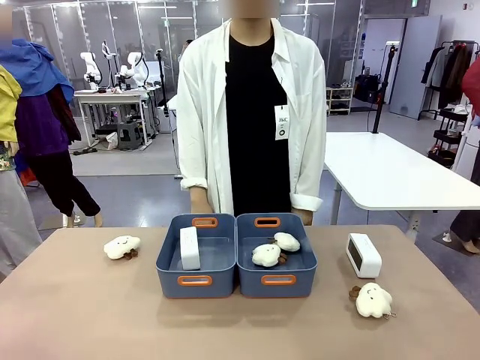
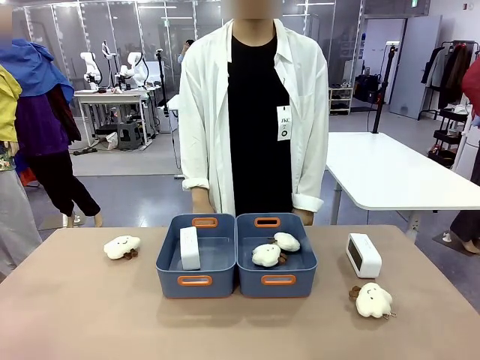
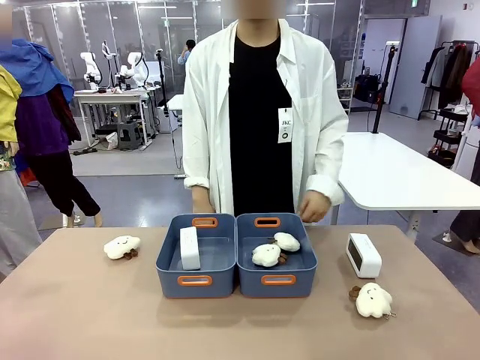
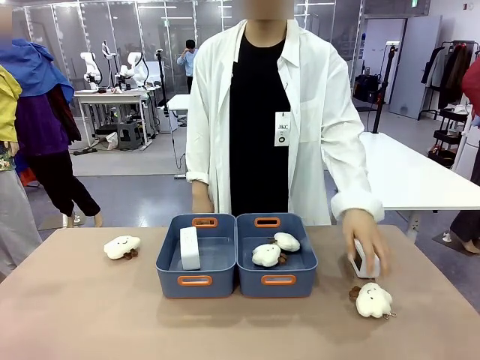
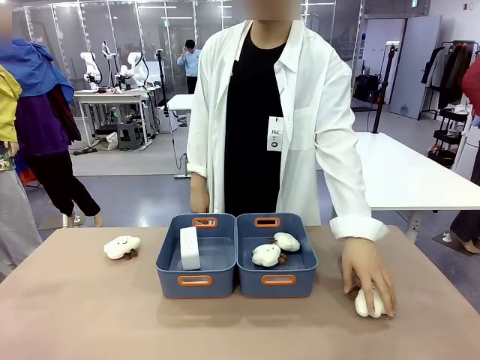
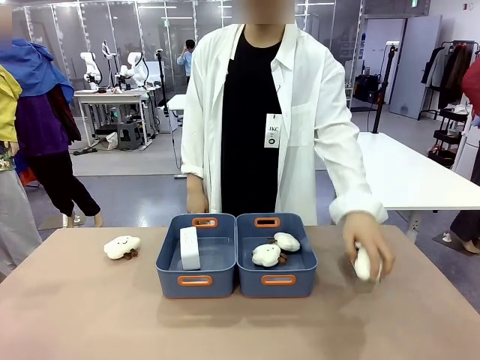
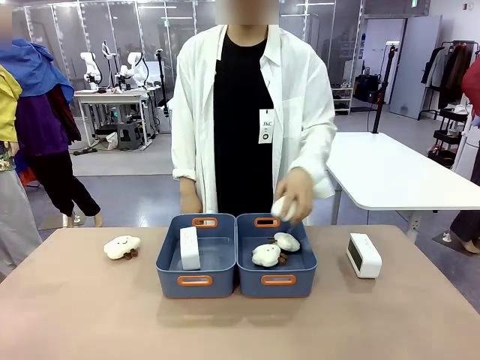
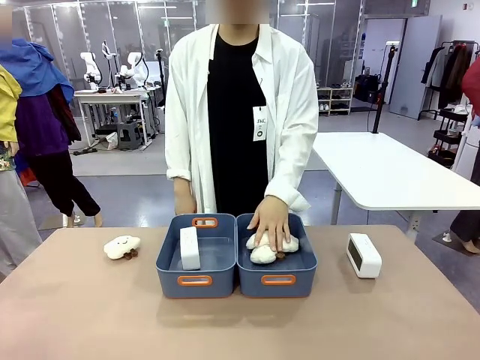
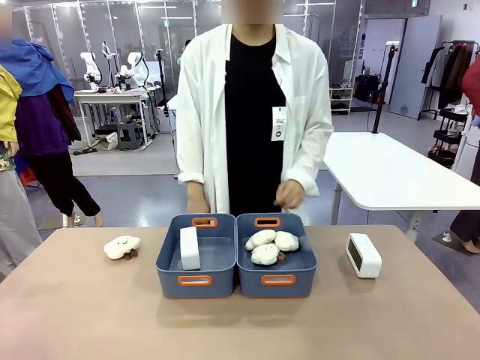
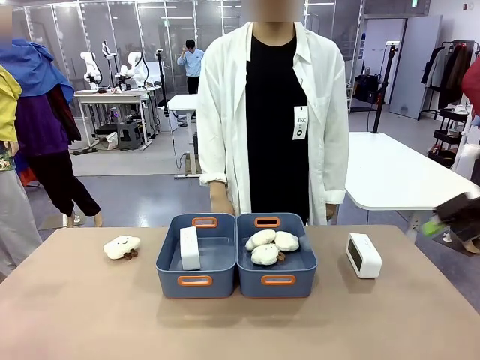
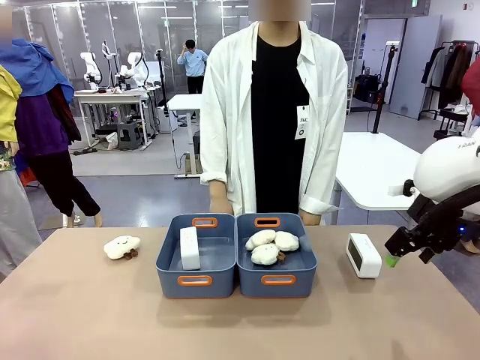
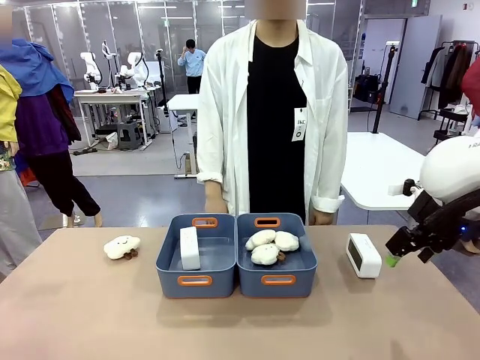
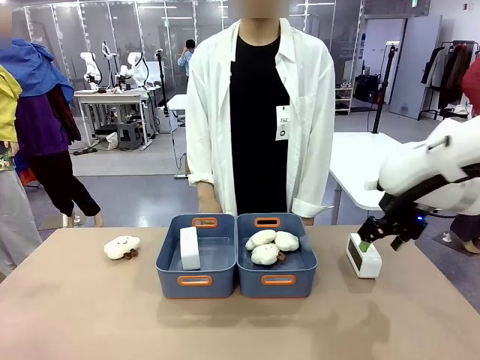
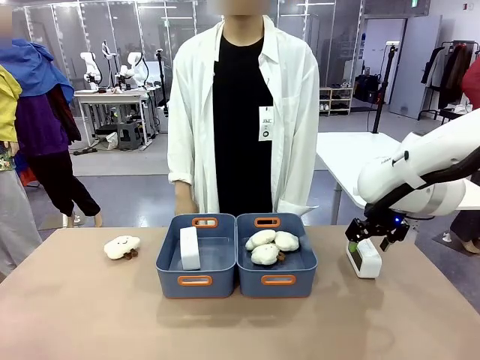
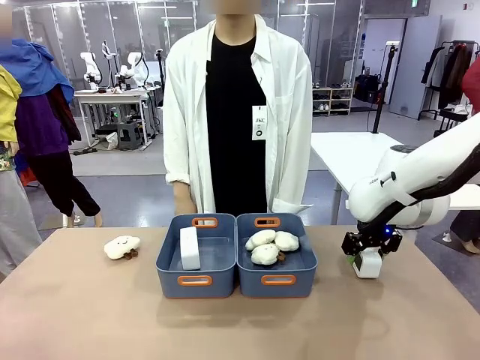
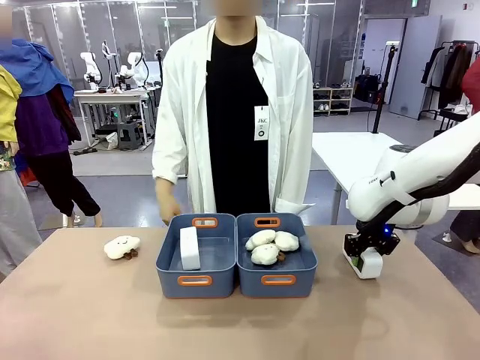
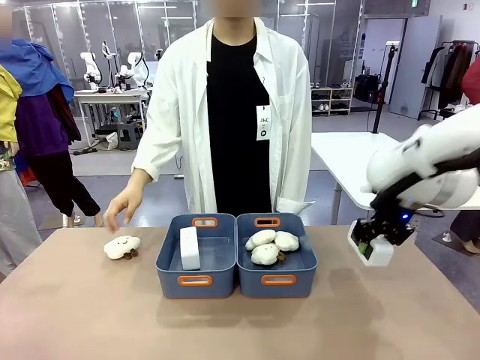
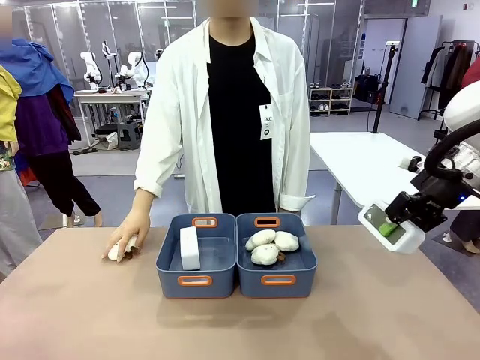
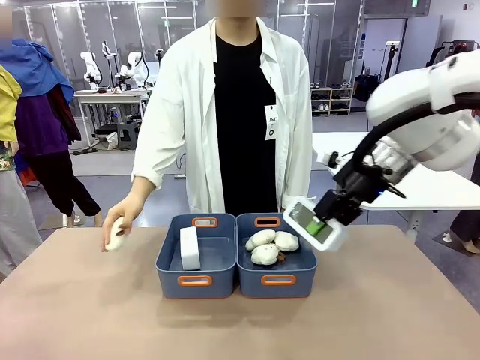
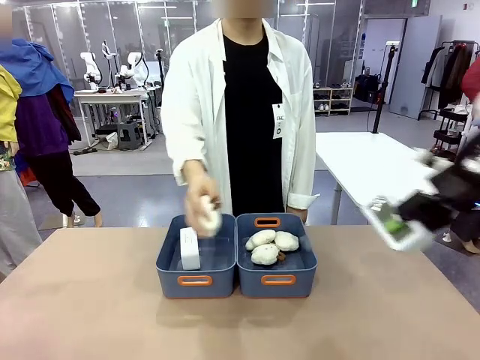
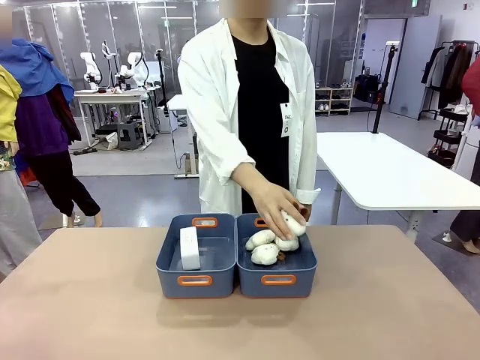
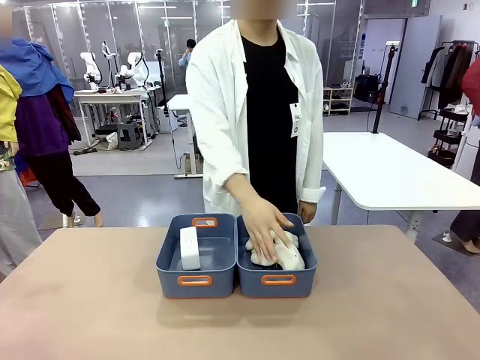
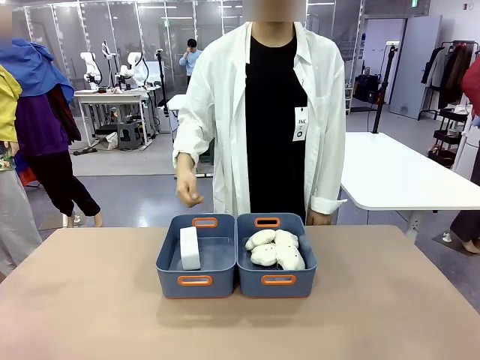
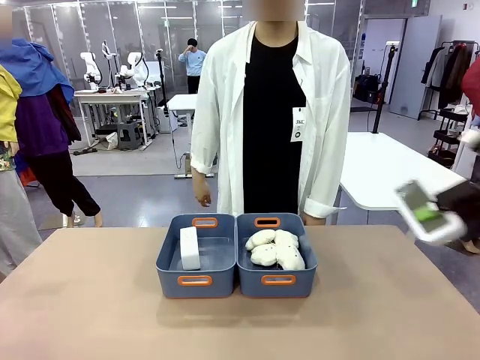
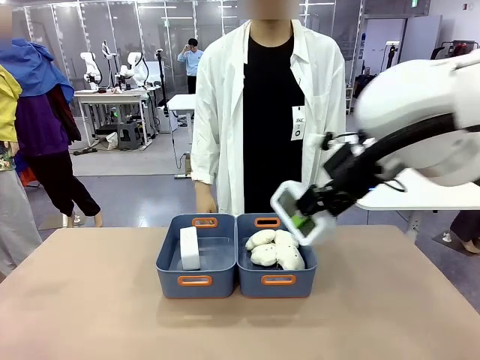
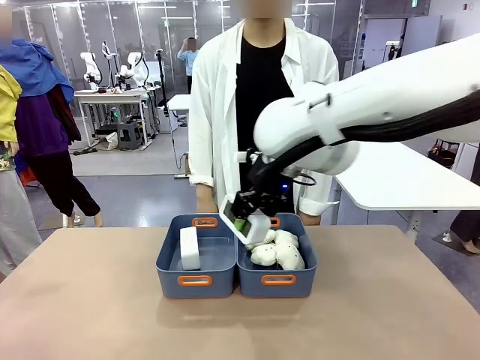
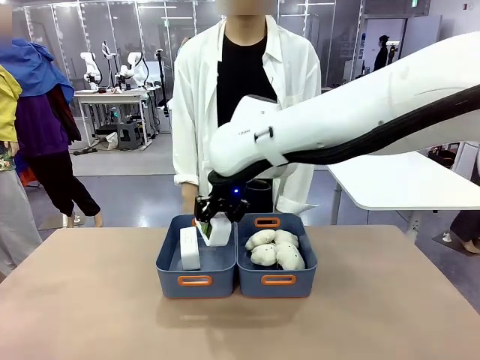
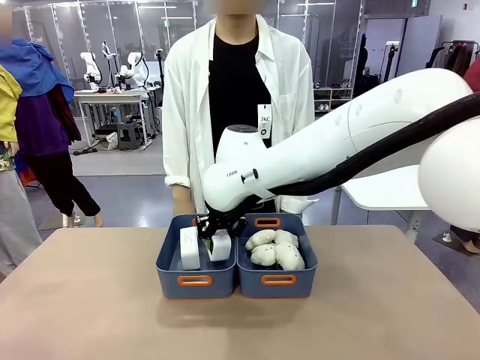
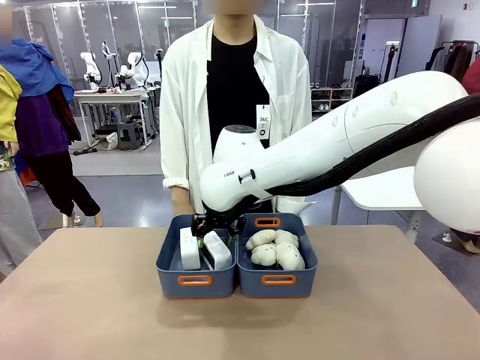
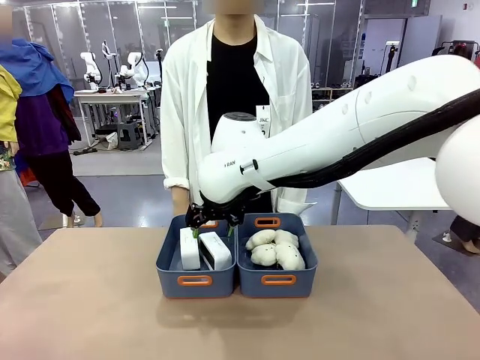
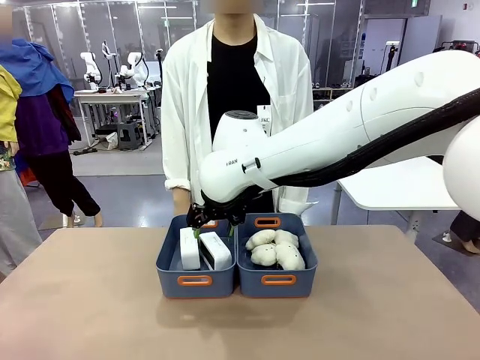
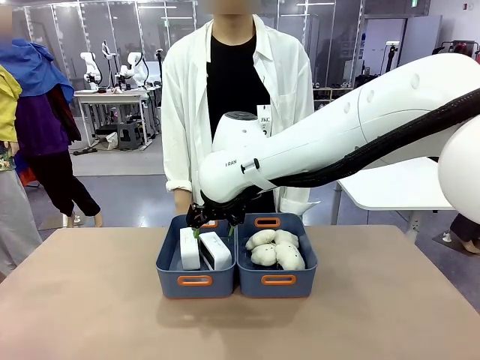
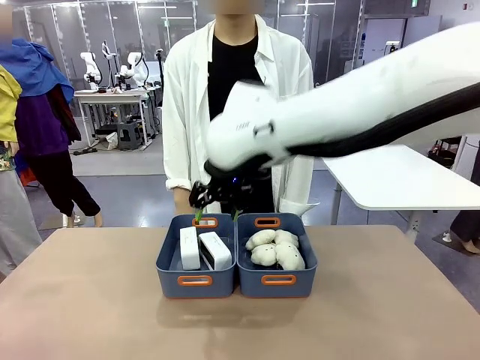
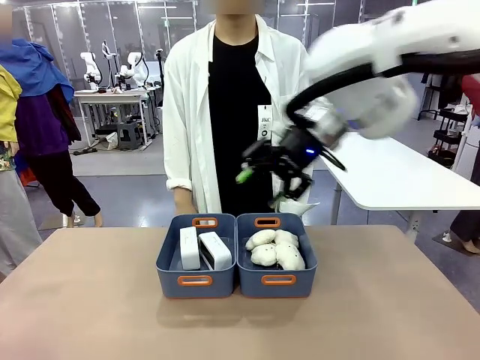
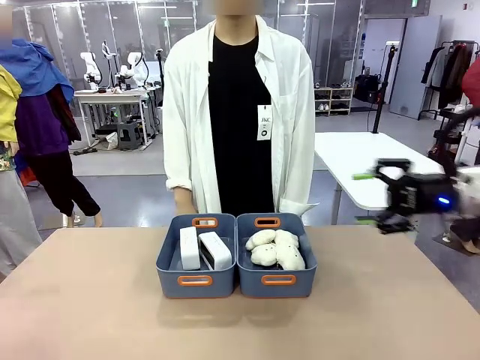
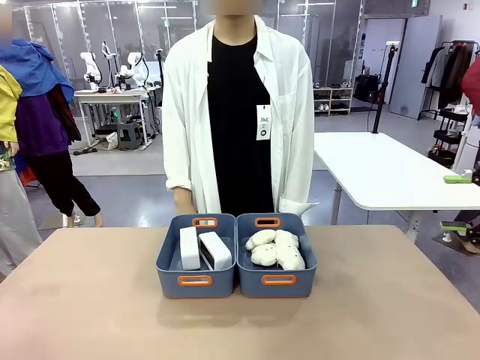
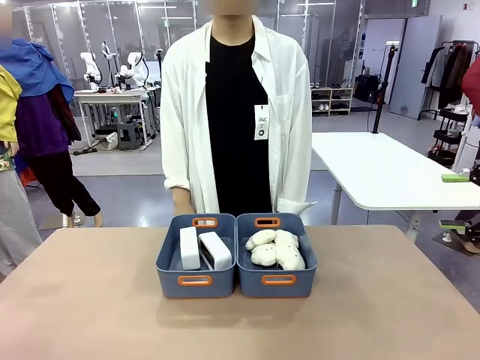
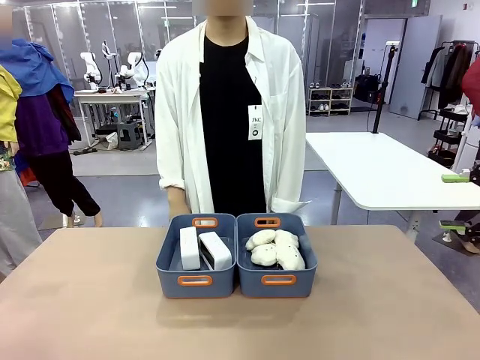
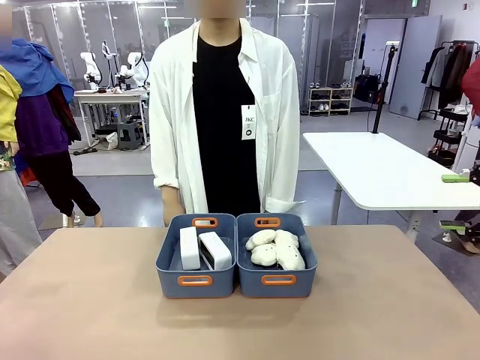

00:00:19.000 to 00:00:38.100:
Task: Sort the digital clocks into the basket.
Robot: Pick up the Digital clock from the table and place it into the empty Plastic storage basket.
Person: Pick up a plush toy from the table and place it in the plastic storage basket containing the plush toy.

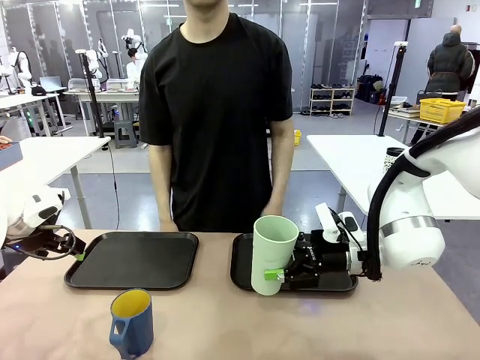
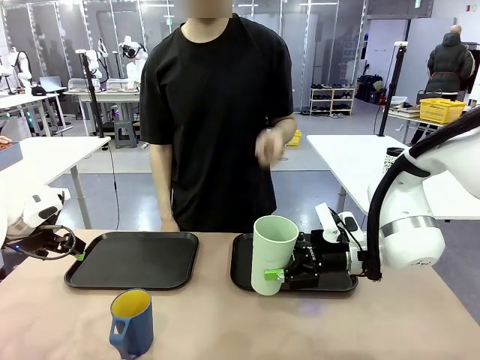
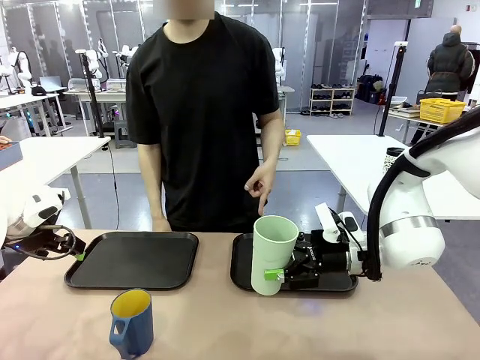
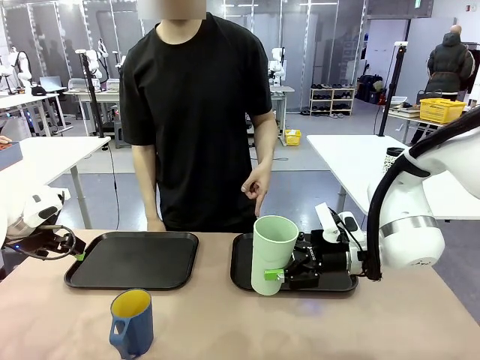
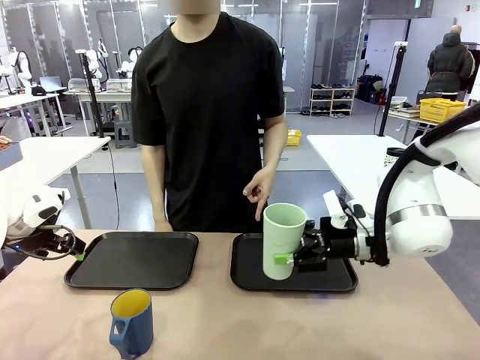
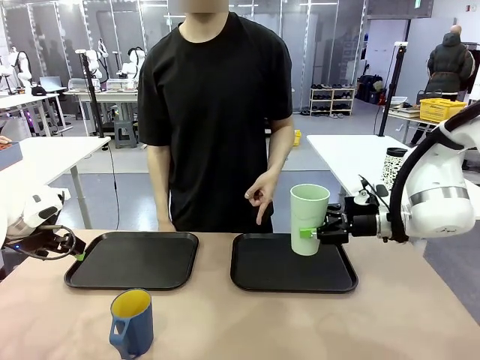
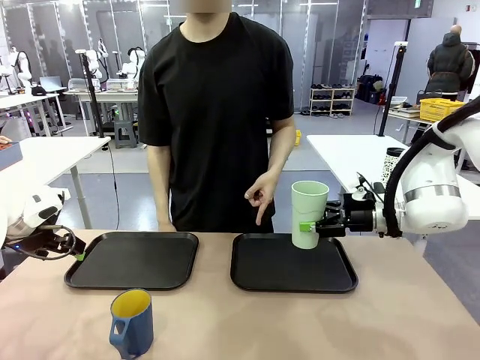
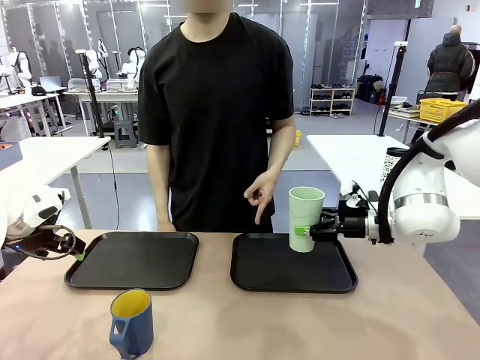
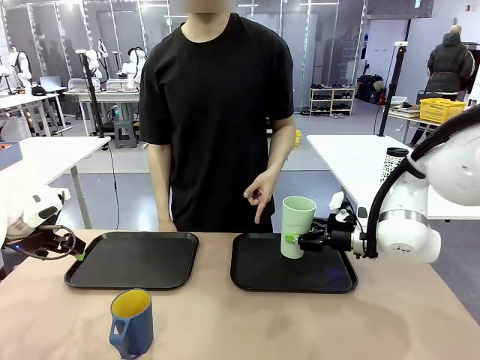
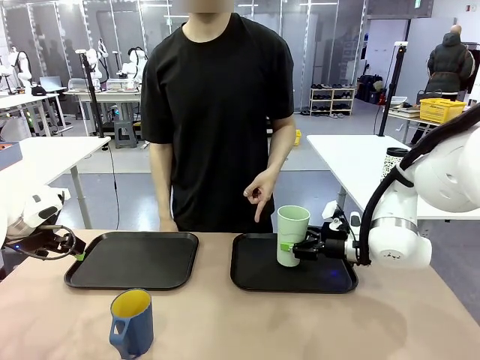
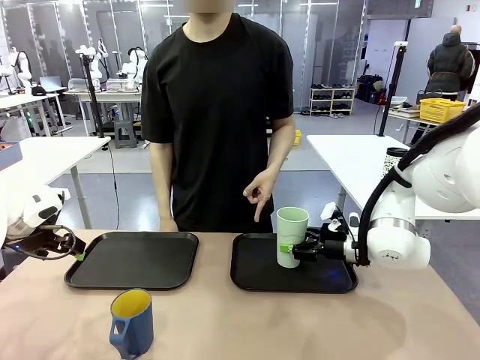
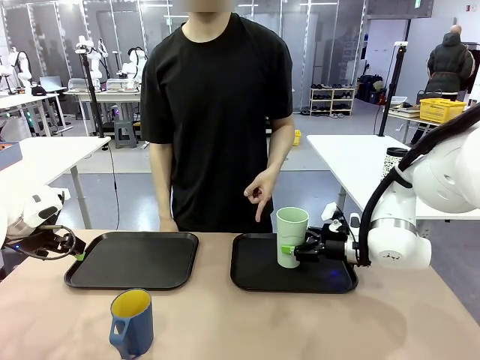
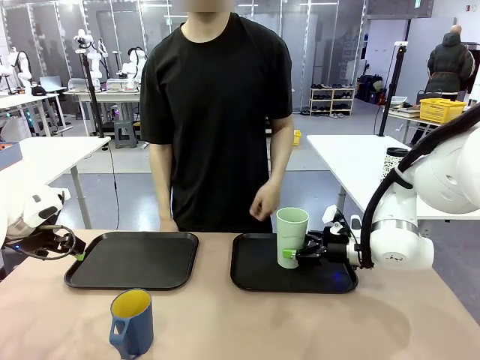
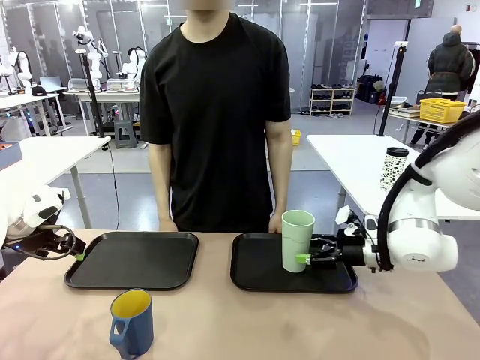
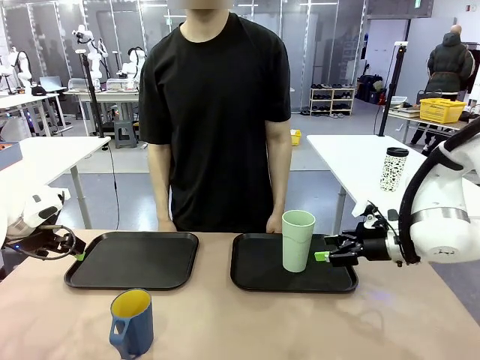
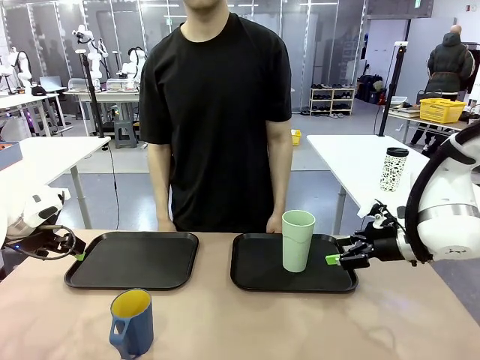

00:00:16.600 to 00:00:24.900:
Task: Sort and store the cups by type.
Robot: Place the picked Reusable plastic cup into the Flat Tray indicated by the person.
